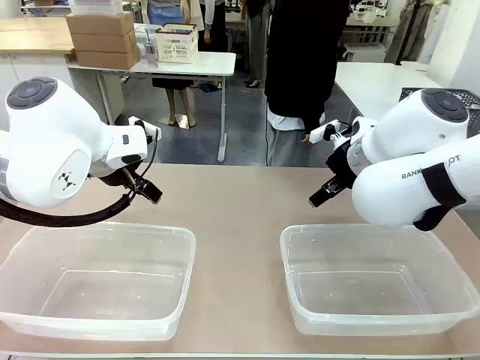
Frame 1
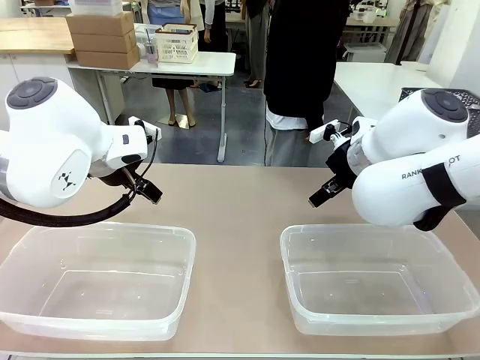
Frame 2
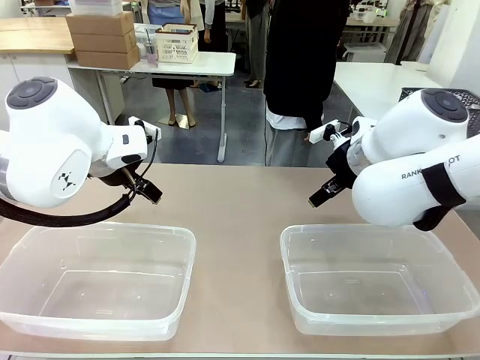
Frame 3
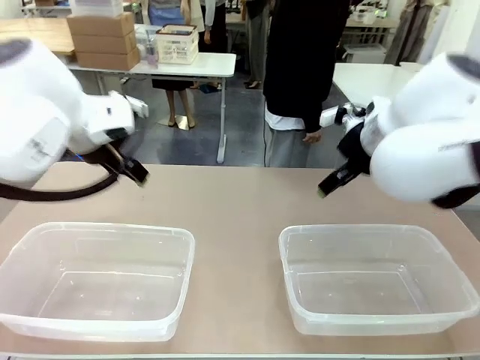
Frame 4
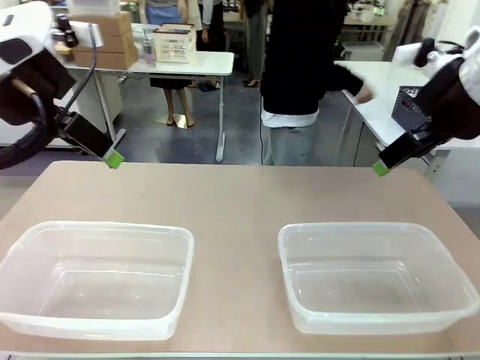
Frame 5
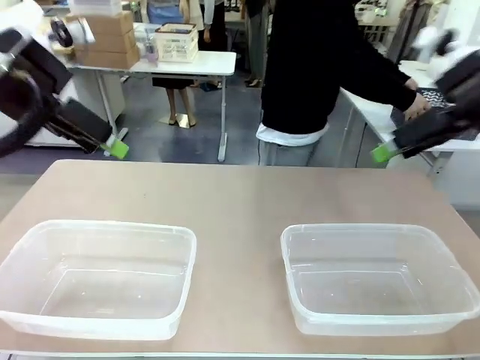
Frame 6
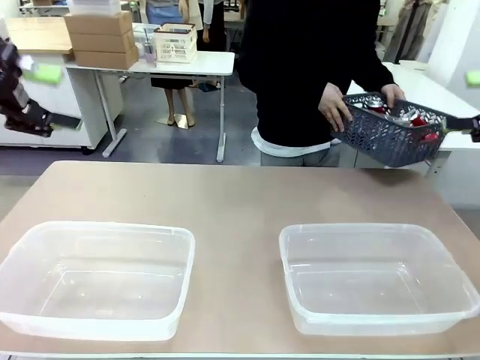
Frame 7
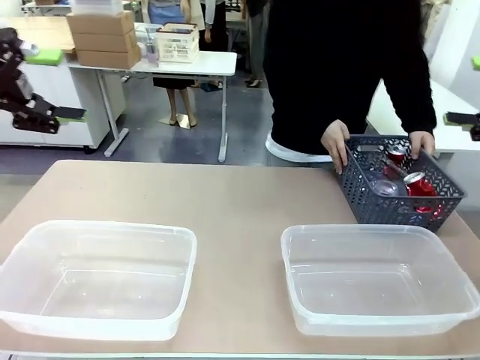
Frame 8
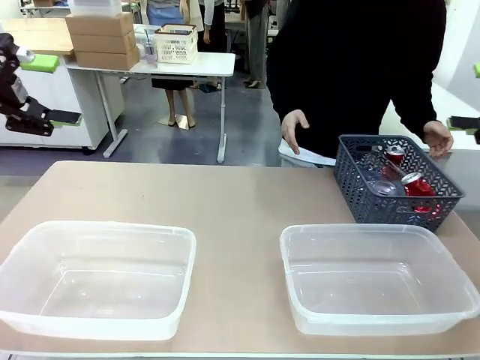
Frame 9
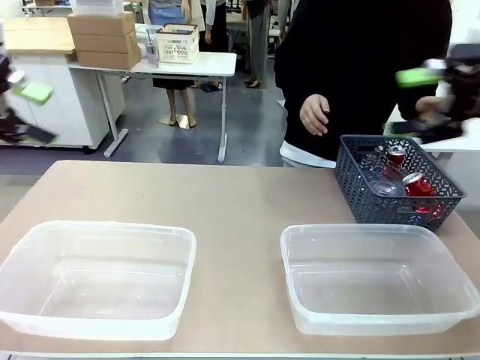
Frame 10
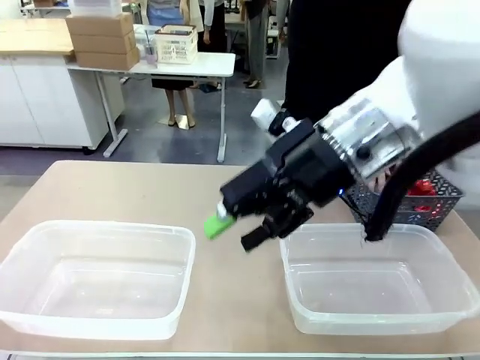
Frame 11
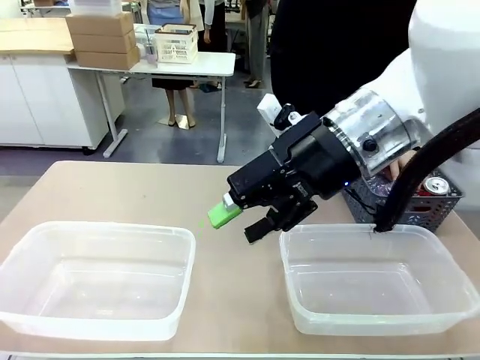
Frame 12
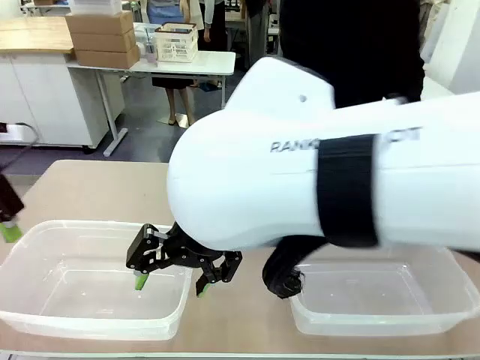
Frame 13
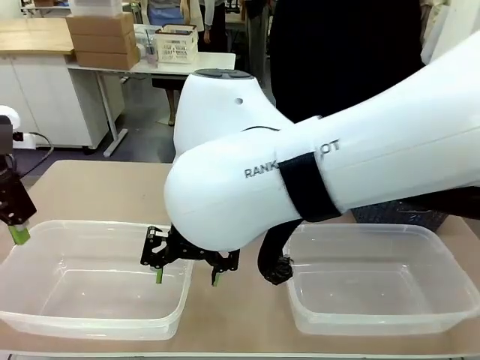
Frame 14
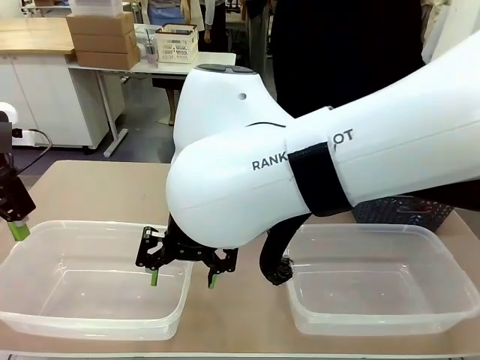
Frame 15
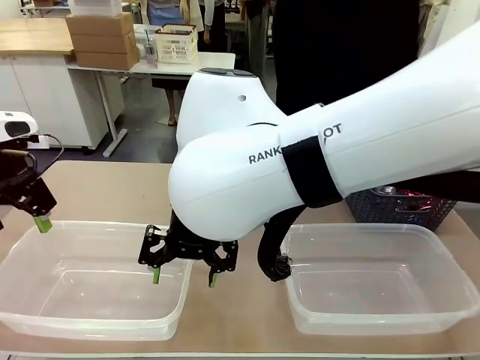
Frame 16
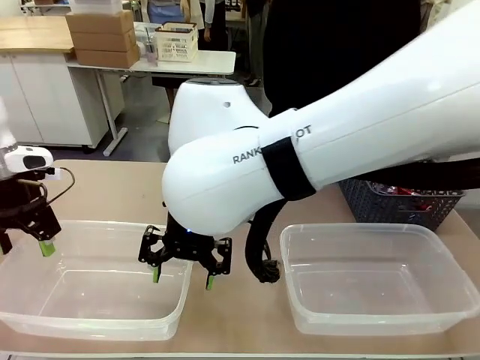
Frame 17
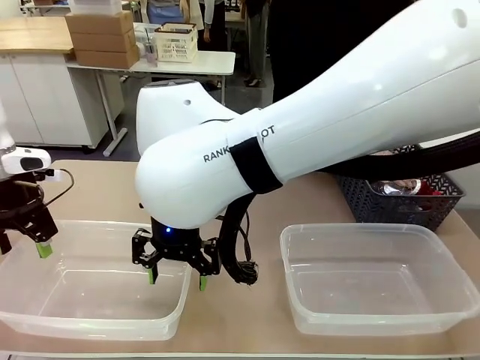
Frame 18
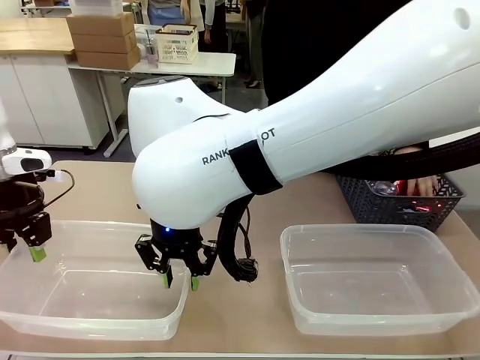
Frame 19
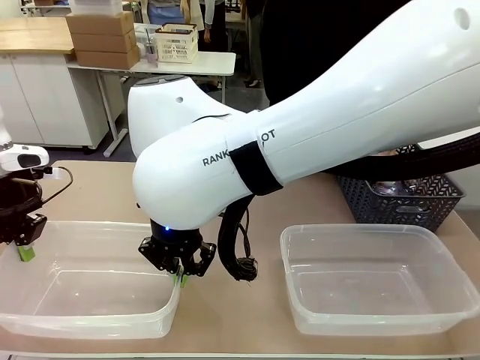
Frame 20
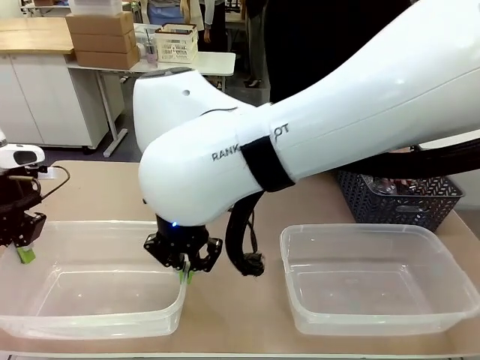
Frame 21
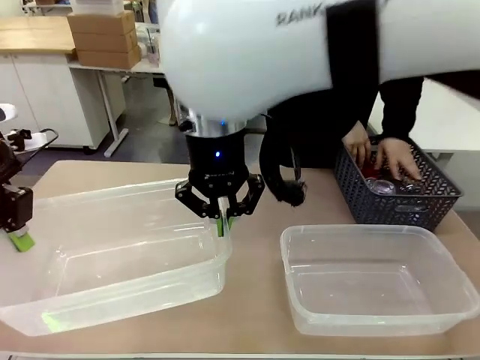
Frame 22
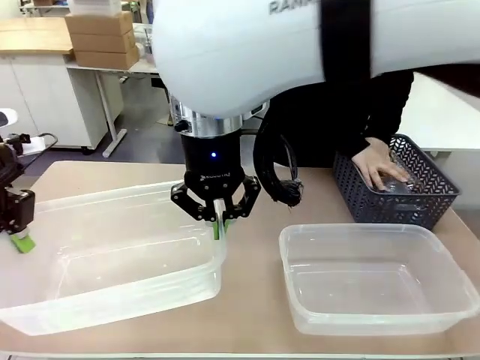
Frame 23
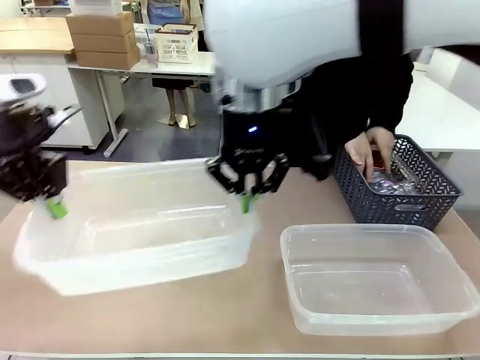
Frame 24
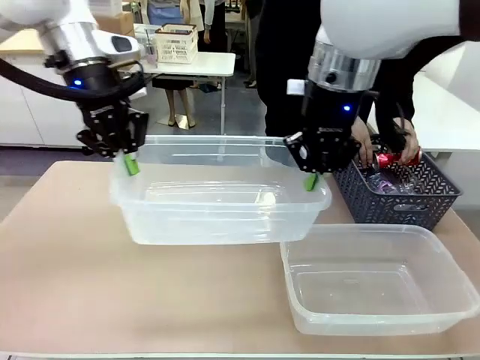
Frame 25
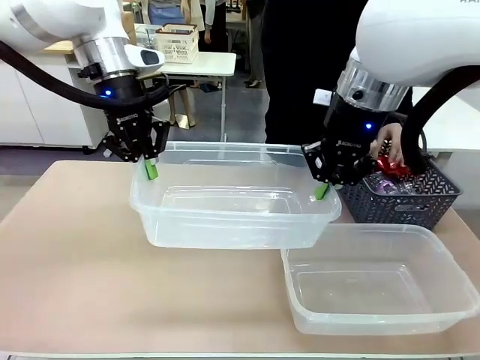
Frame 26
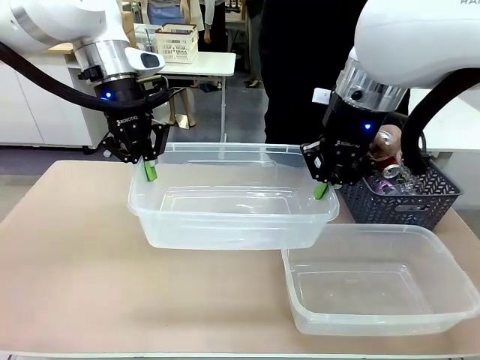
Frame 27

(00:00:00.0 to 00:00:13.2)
Robot: Pick up the Organizing box on the left side of the table and lift it.
Person: Pick up the storage basket and place it on the left side of the robot table. Pick up can-shaped waste one by one and place it into the organizing box lifted by the robot.

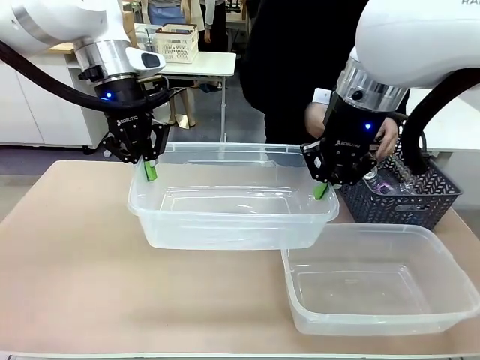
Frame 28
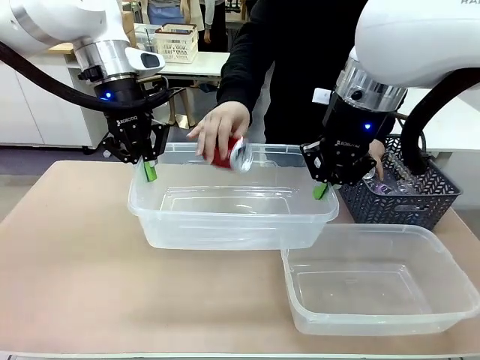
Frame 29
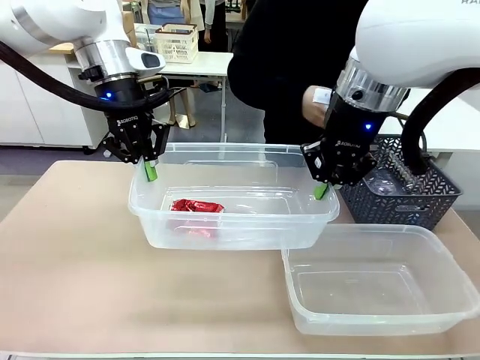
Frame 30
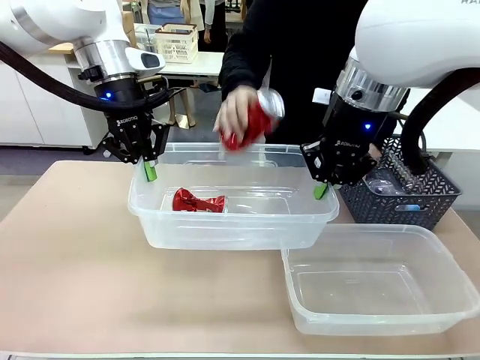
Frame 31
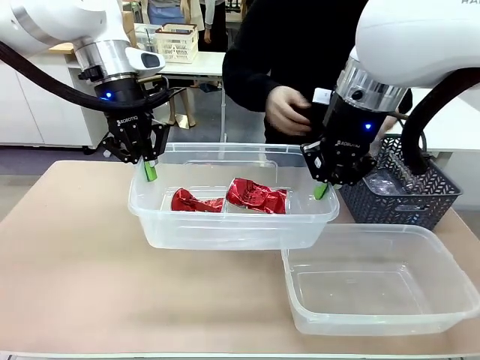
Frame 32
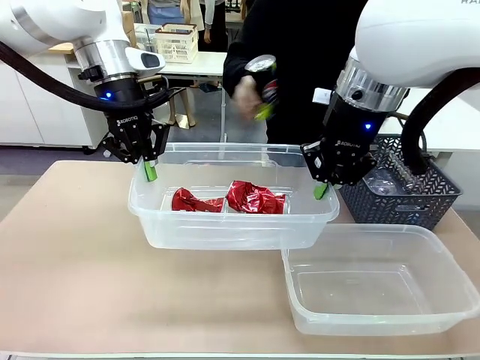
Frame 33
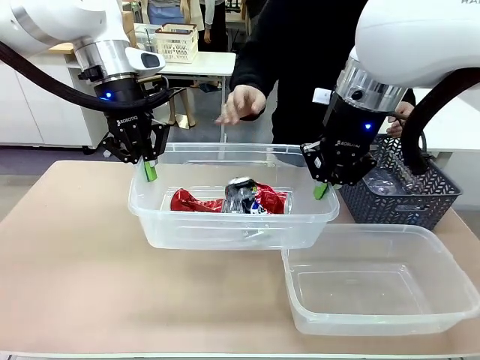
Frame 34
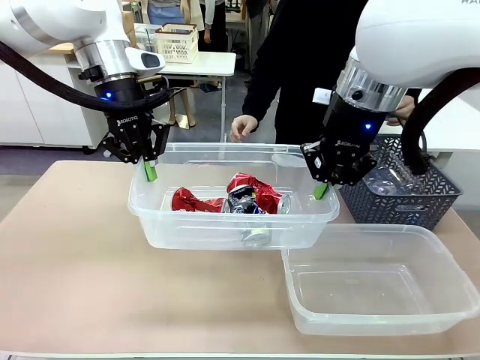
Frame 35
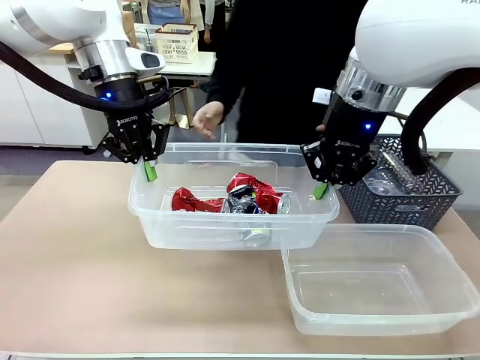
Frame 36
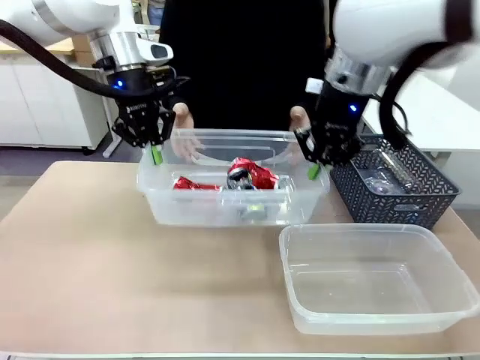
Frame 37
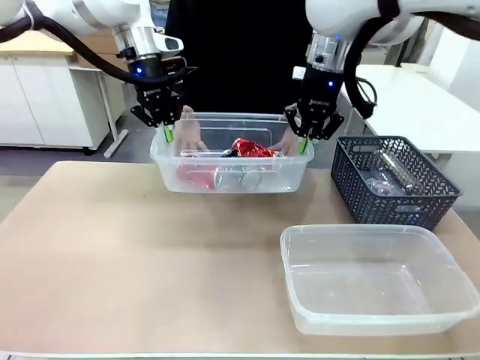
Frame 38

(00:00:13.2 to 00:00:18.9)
Robot: Offer the picked Organizing box to the human.

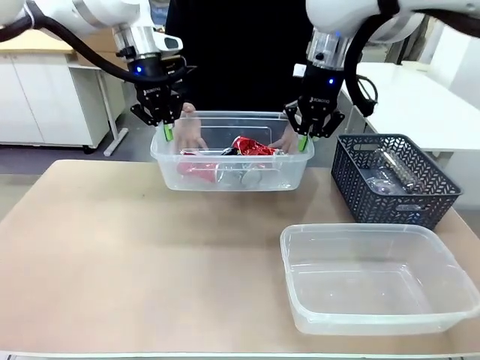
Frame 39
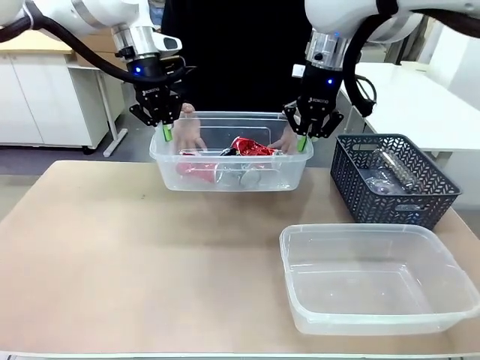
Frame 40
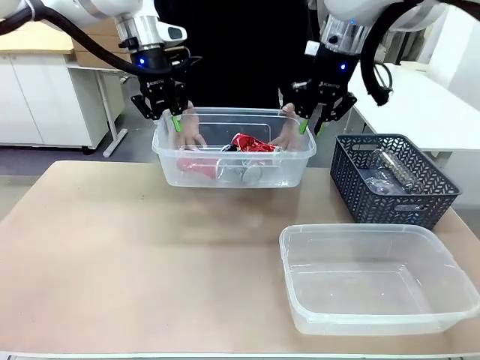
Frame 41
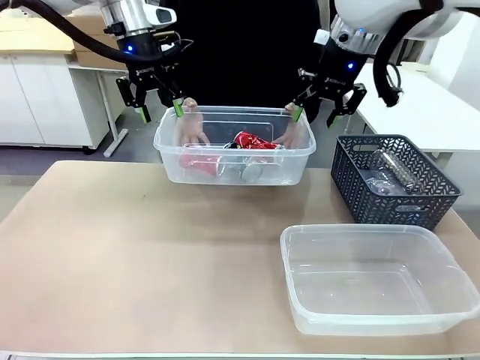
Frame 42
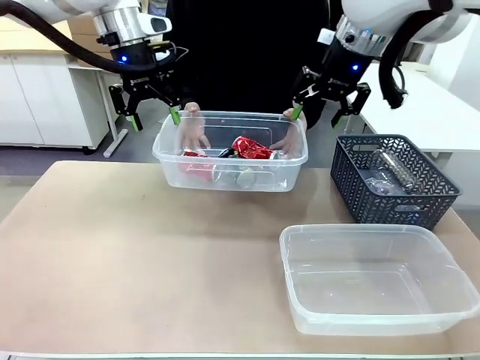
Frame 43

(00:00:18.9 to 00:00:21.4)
Robot: Release the Organizing box you were holding.
